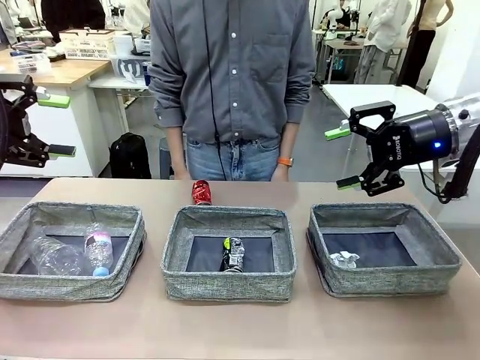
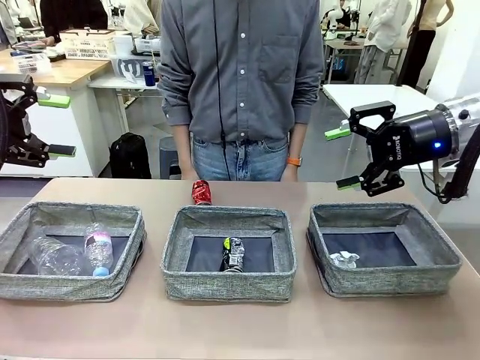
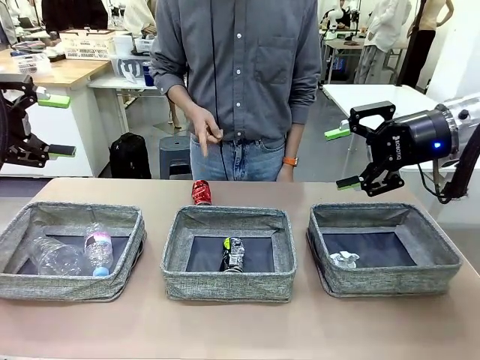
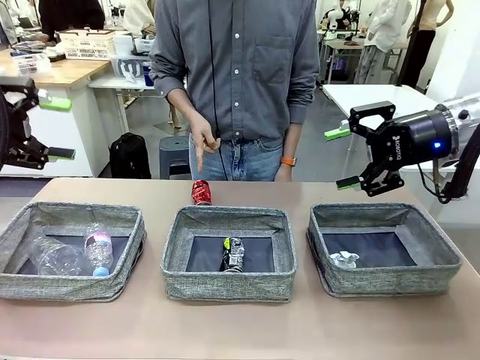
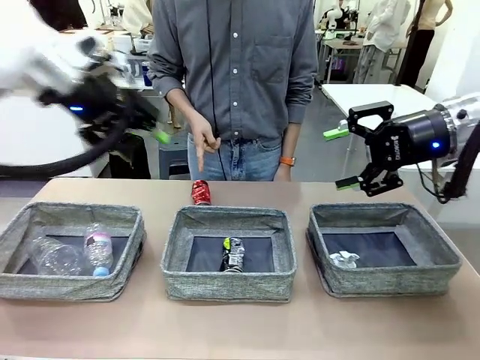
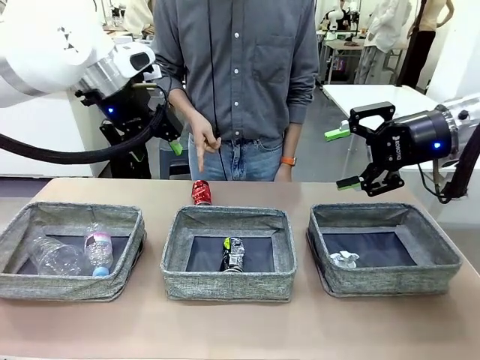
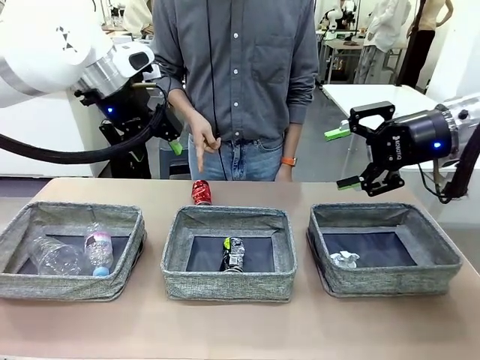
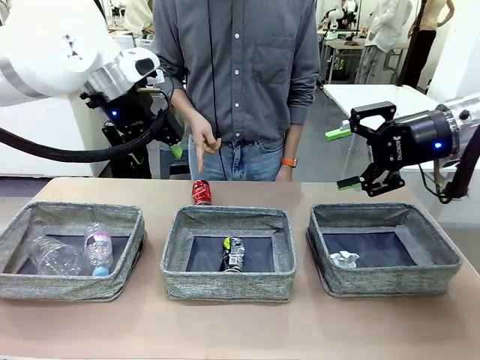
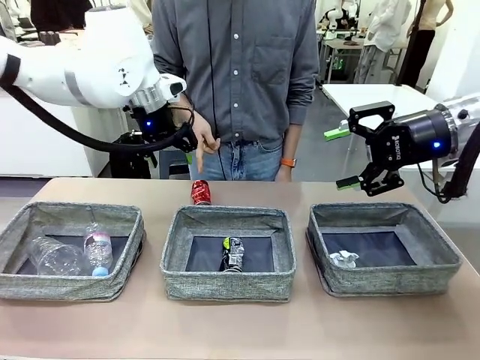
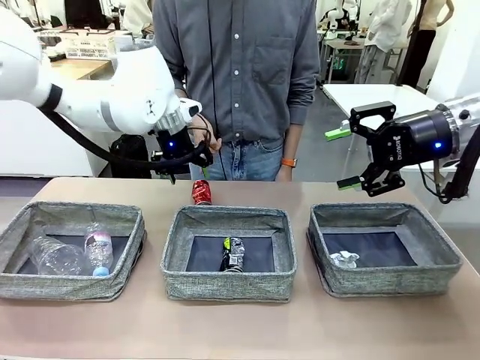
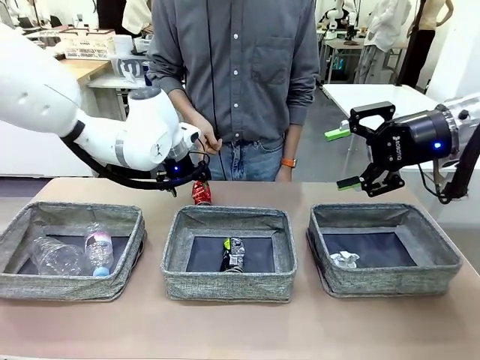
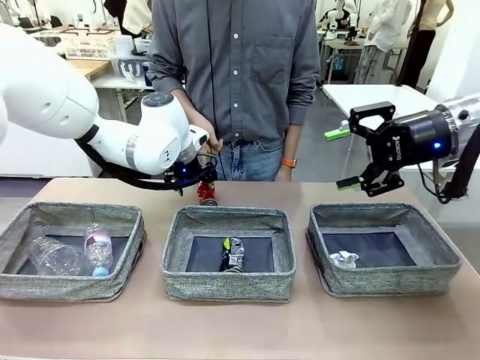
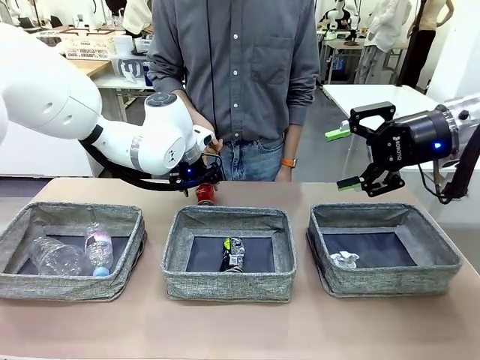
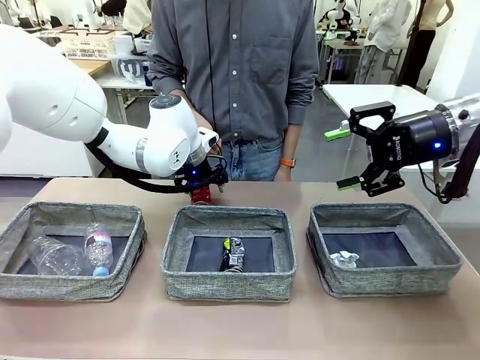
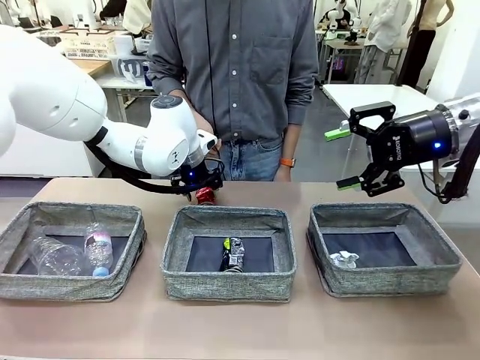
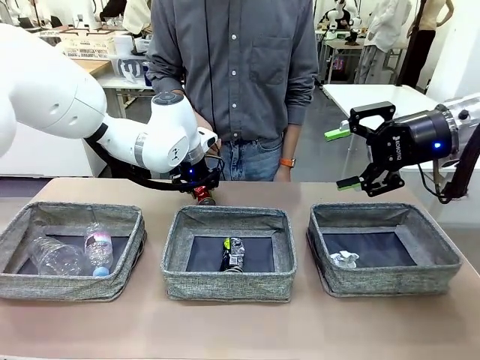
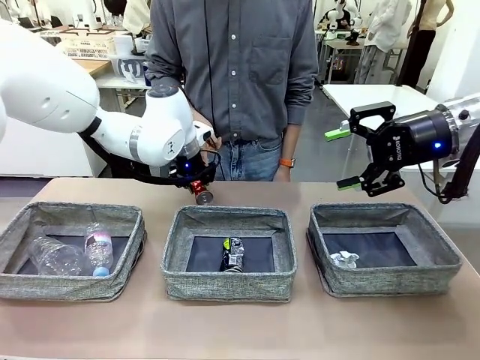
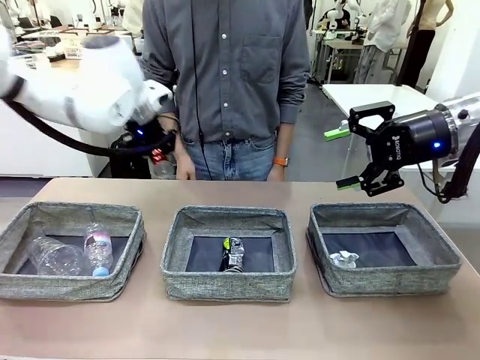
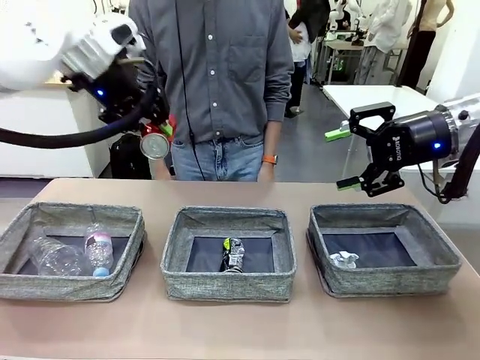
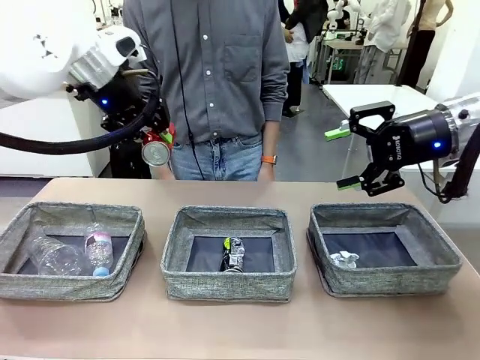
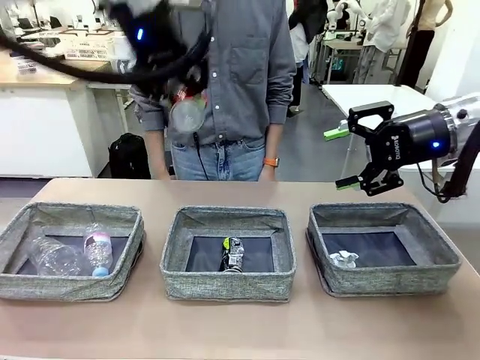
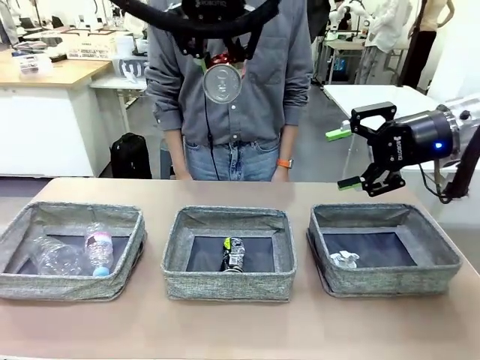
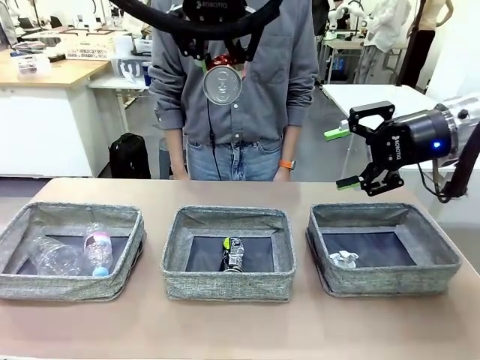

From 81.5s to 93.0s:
Task: Sort the waste into the appropriate baskets.
Robot: Pick up the waste item pointed out by the person.
Person: Points to one piece of trash on the table.

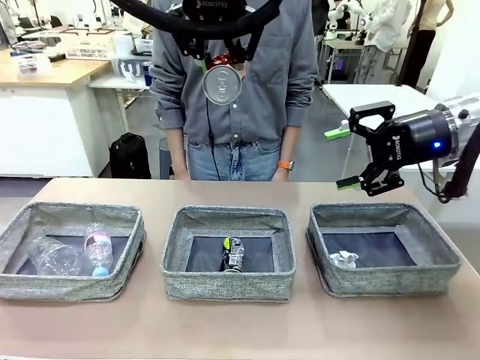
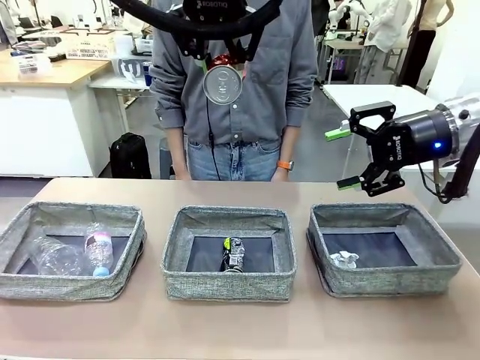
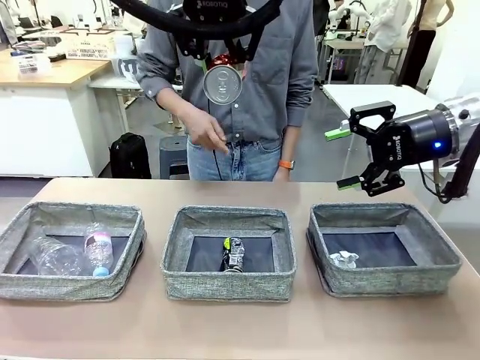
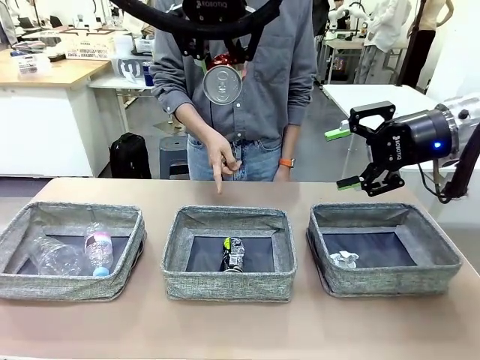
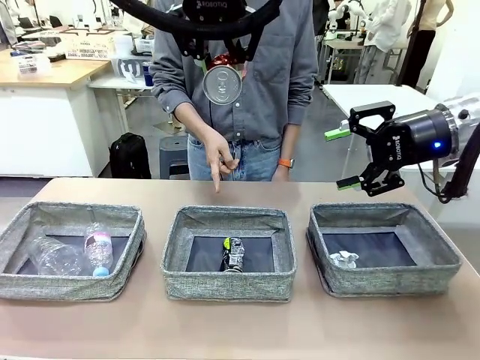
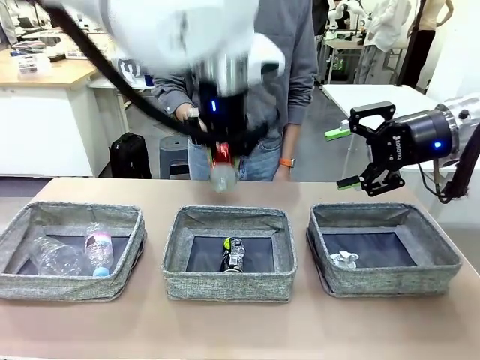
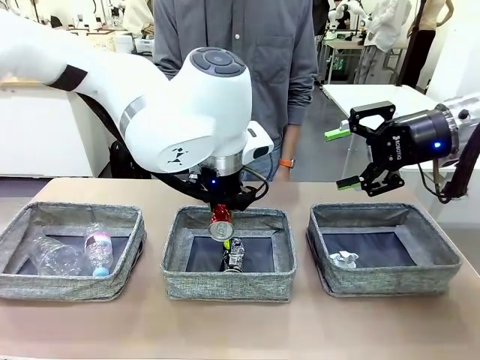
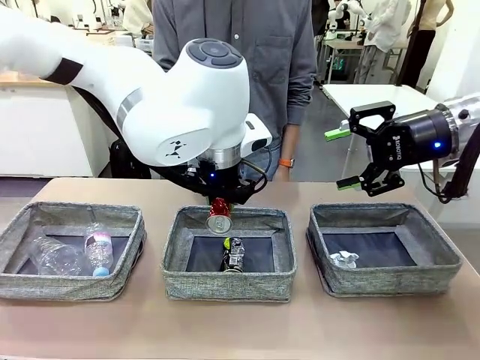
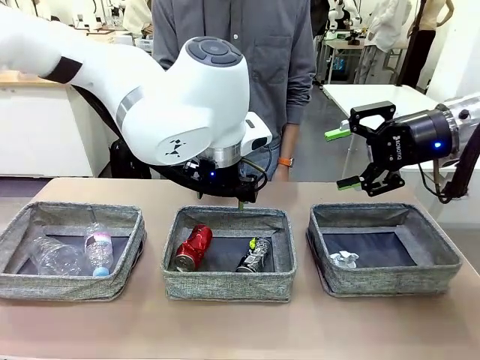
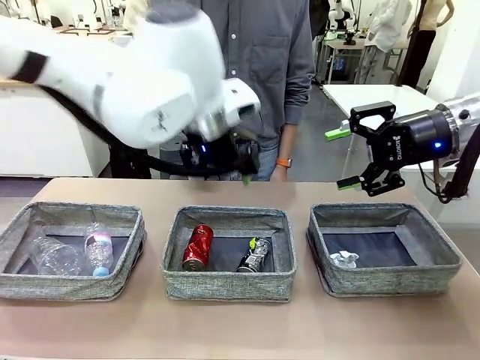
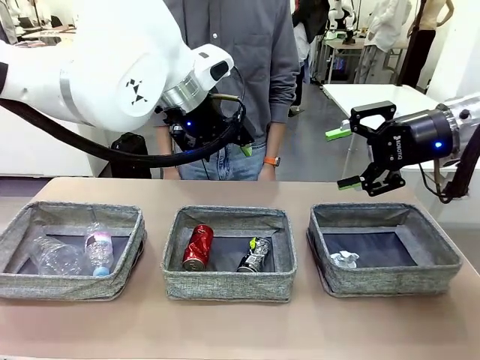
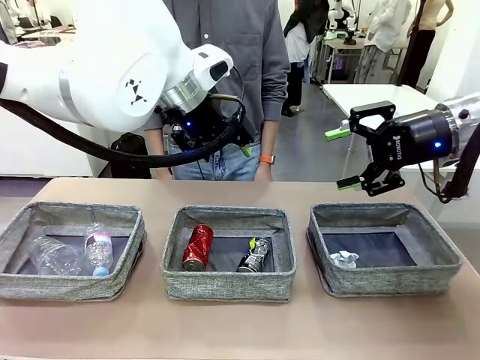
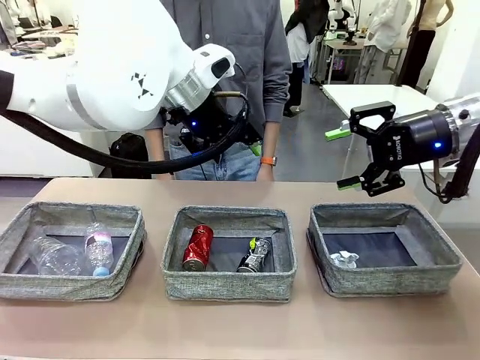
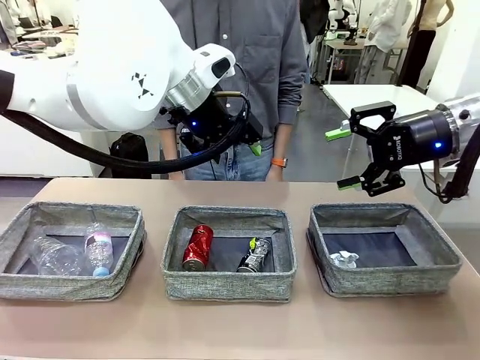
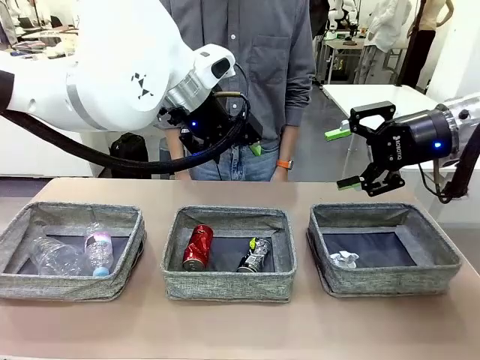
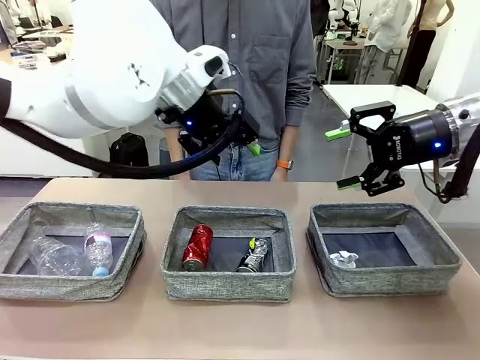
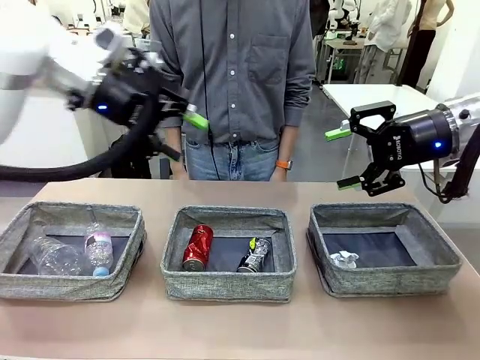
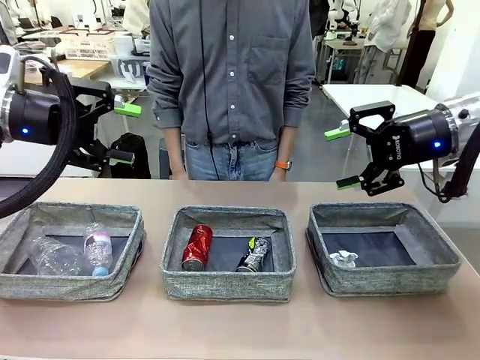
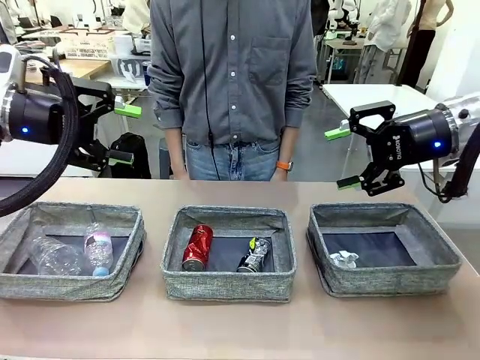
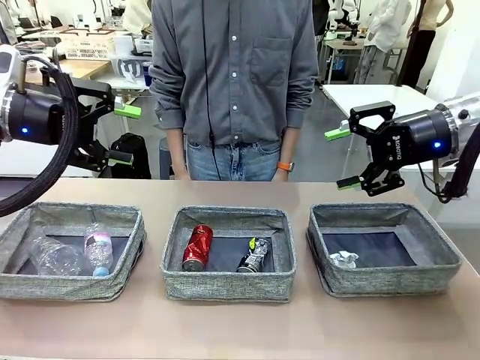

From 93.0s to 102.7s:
Robot: Place the picked waste into the Fabric basket indicated by the person.
Person: Instructs the robot to place the picked-up trash into the appropriate organizing basket.

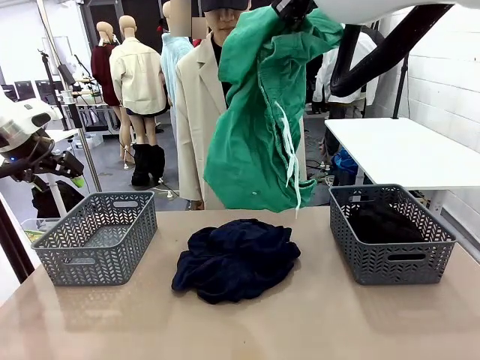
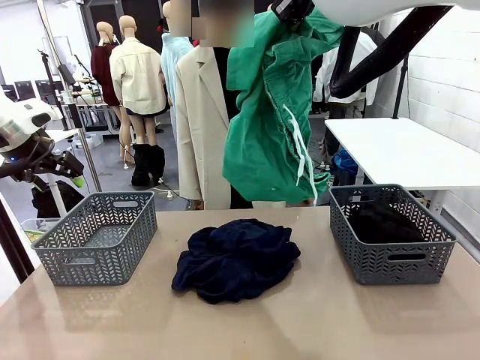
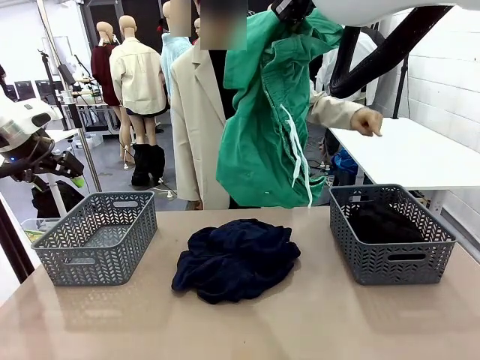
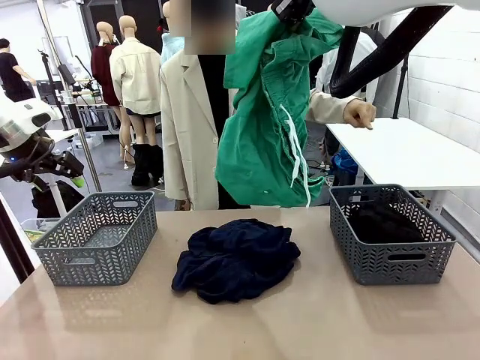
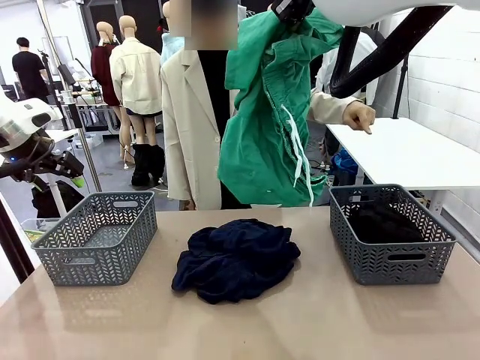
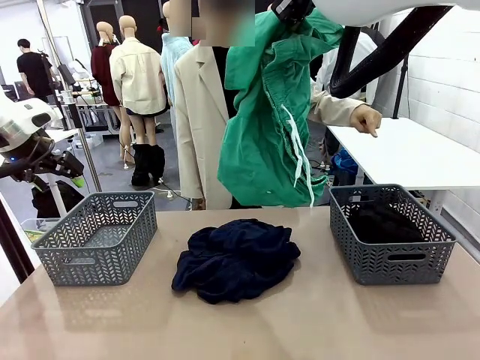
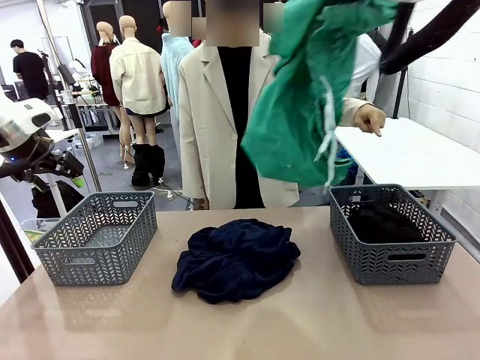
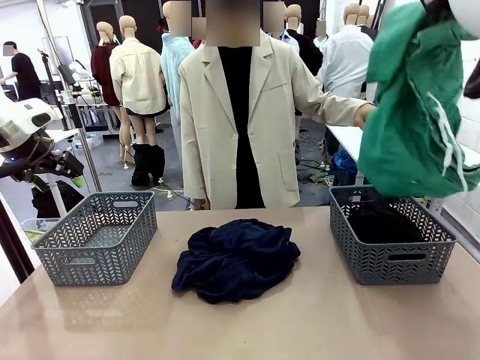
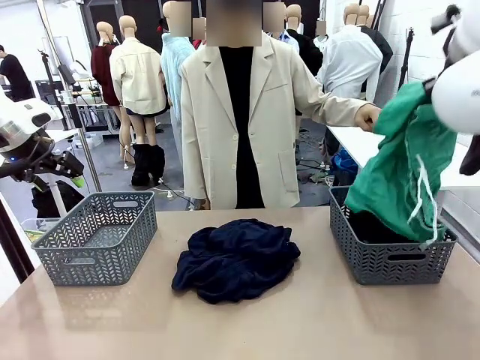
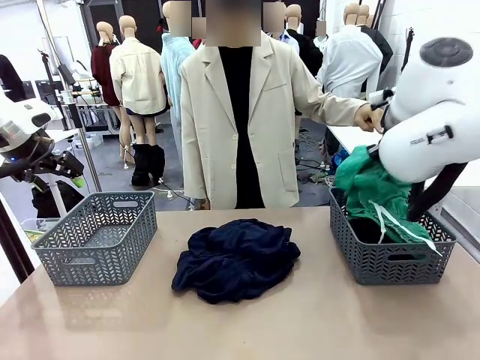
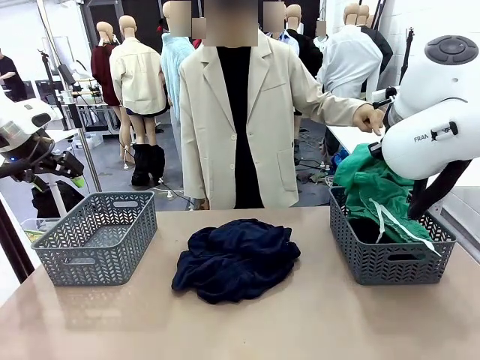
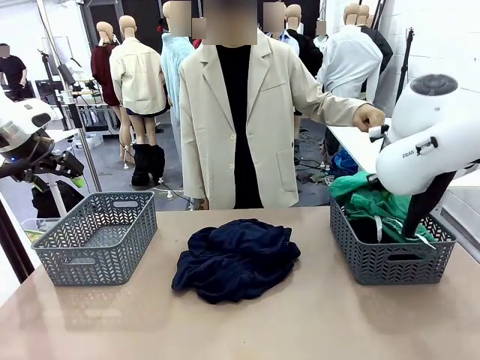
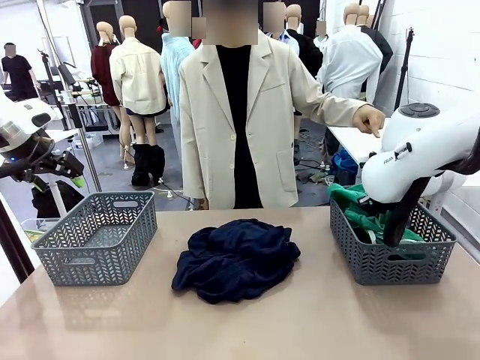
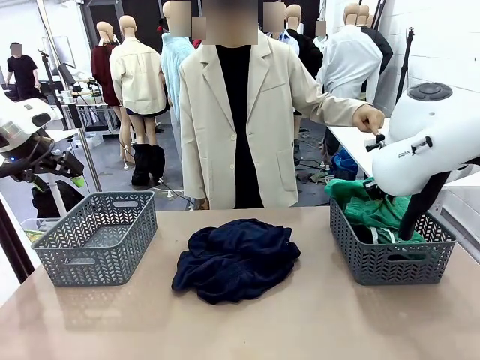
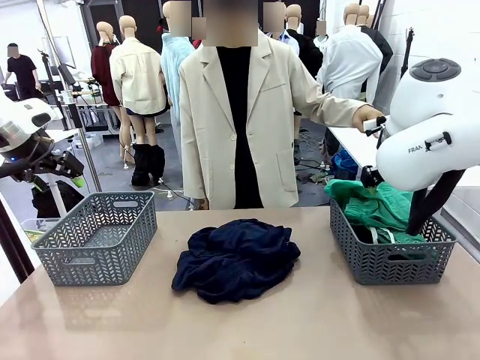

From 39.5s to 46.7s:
Task: Sort the tops and bottoms.
Robot: Sort the clothes according to human instructions.
